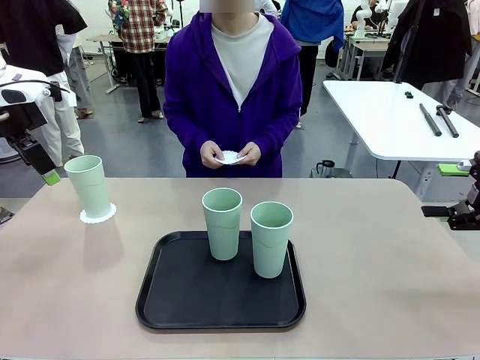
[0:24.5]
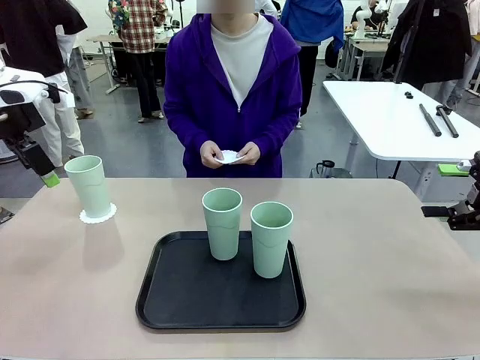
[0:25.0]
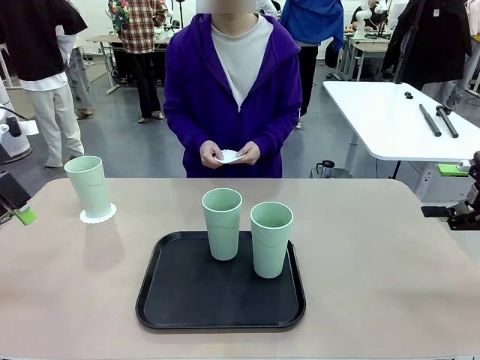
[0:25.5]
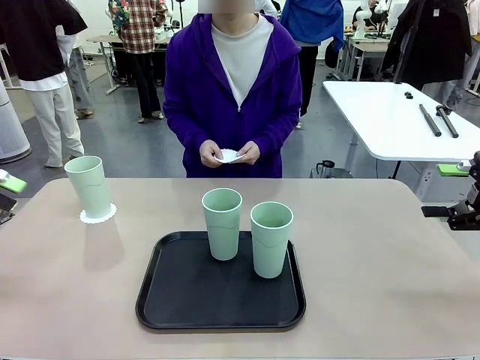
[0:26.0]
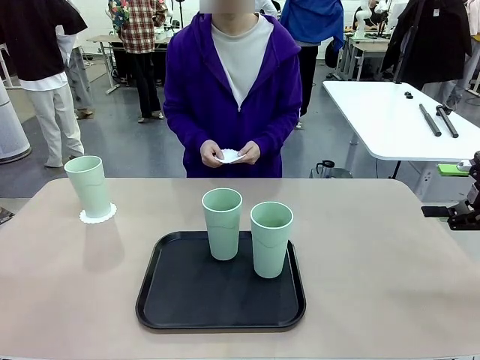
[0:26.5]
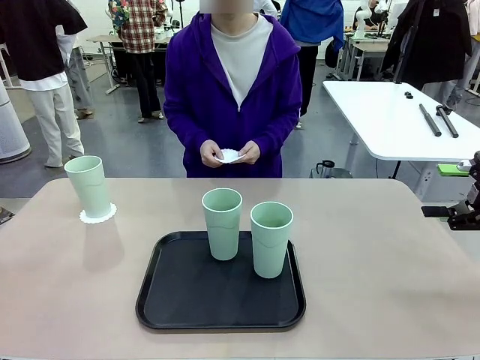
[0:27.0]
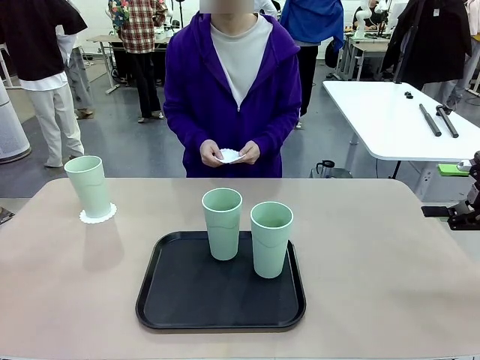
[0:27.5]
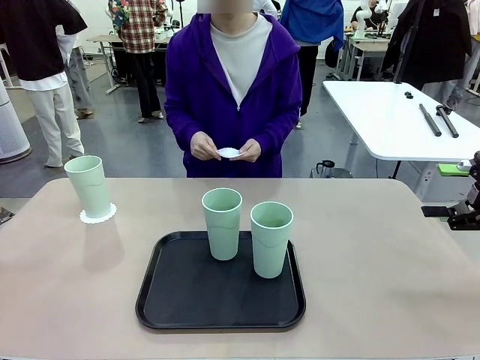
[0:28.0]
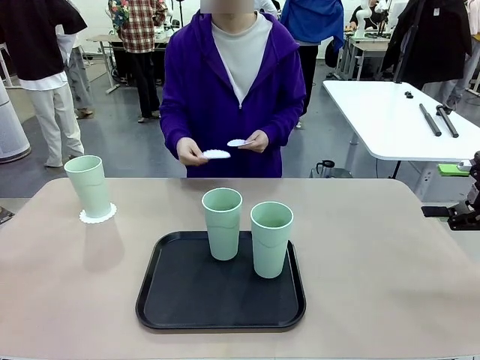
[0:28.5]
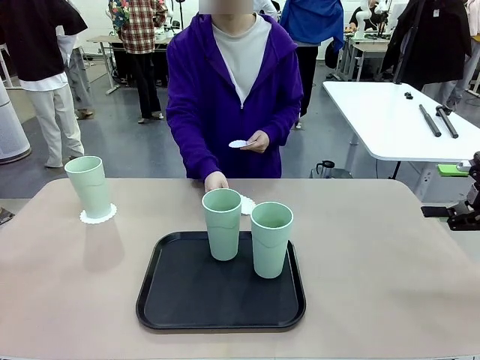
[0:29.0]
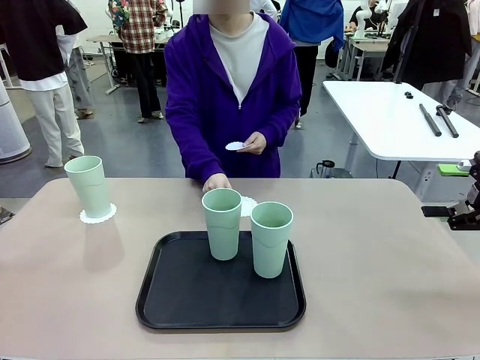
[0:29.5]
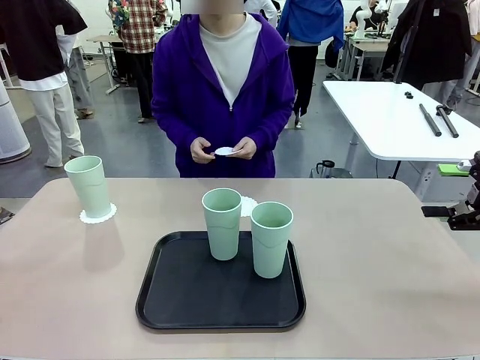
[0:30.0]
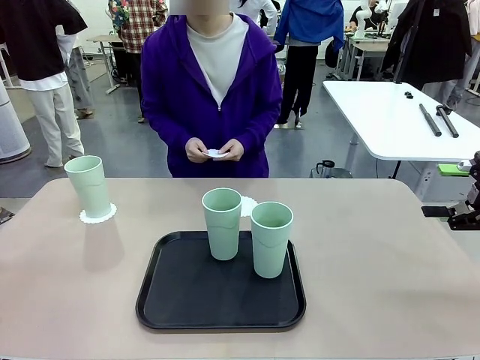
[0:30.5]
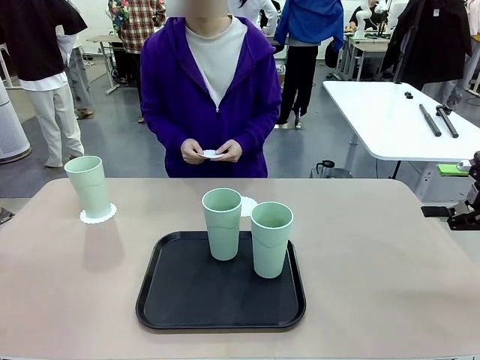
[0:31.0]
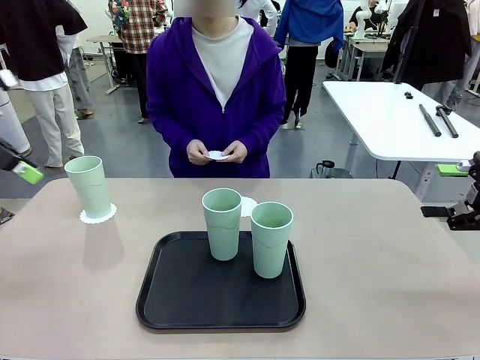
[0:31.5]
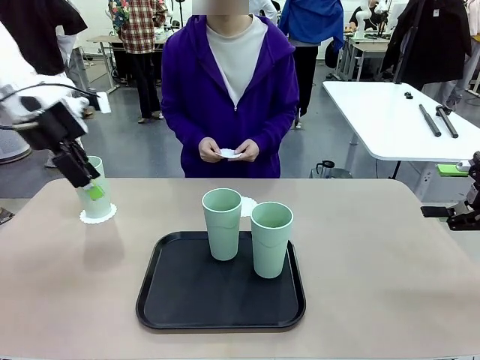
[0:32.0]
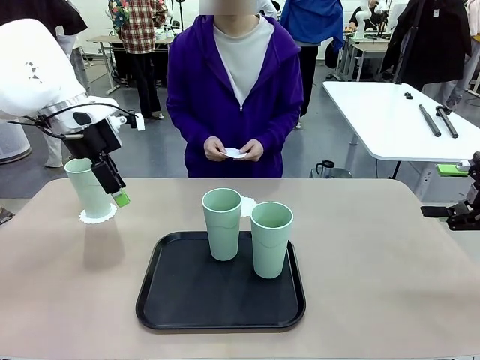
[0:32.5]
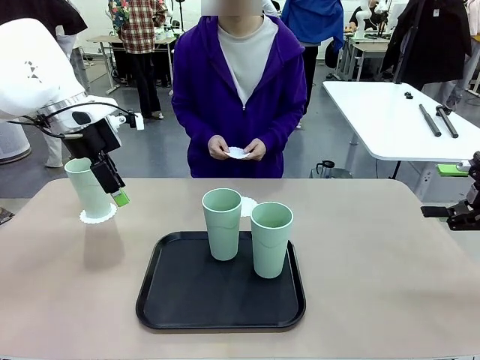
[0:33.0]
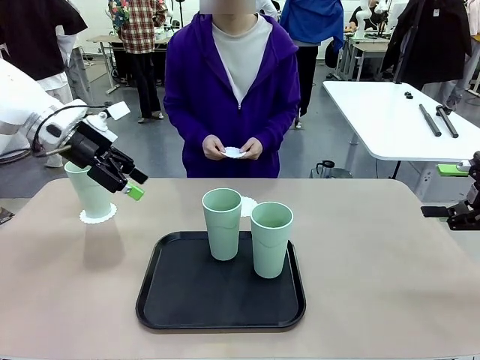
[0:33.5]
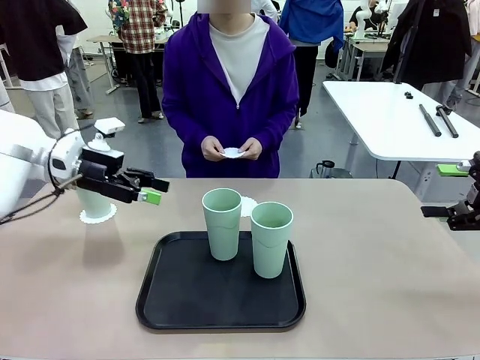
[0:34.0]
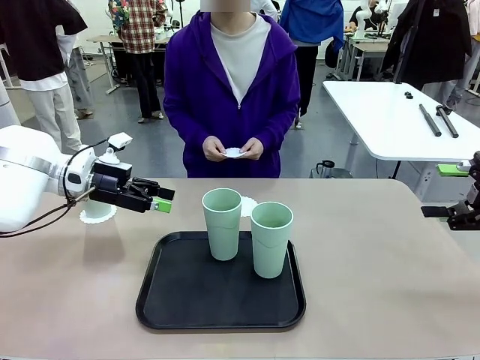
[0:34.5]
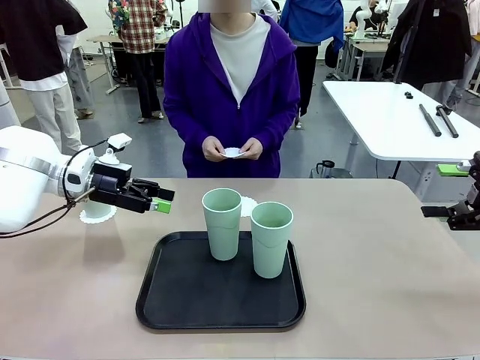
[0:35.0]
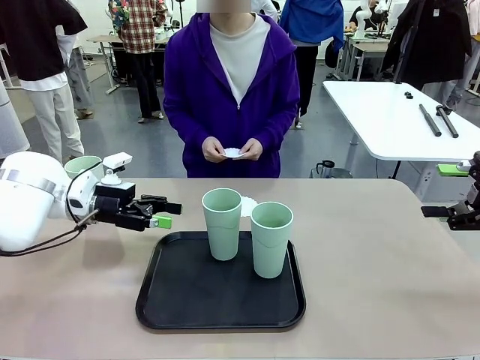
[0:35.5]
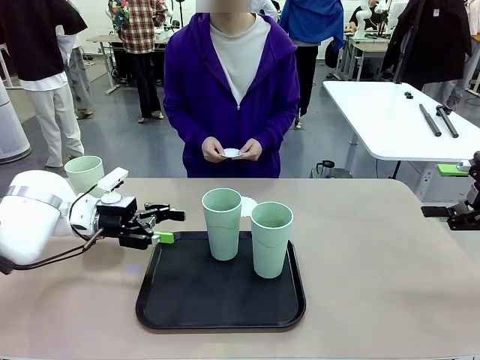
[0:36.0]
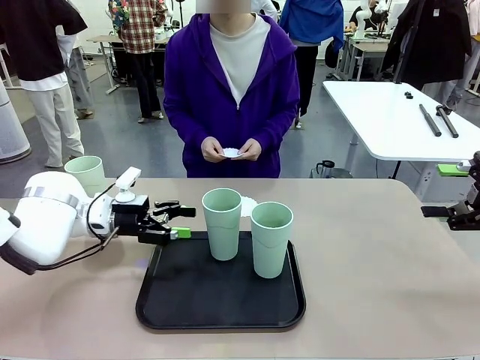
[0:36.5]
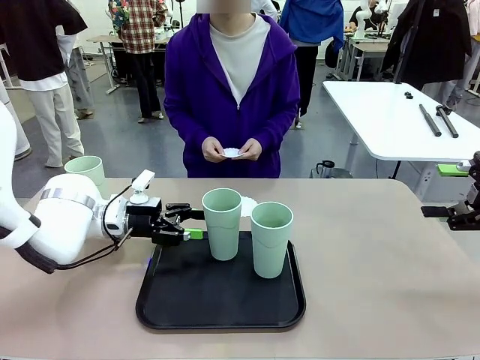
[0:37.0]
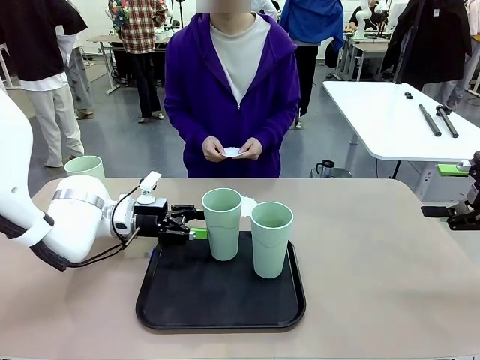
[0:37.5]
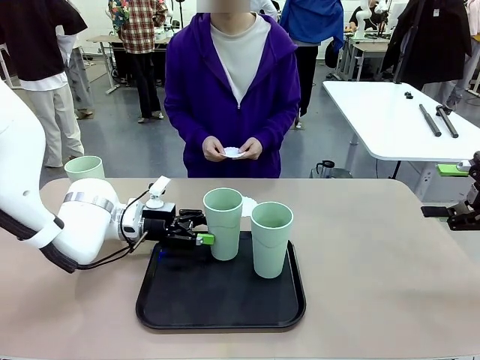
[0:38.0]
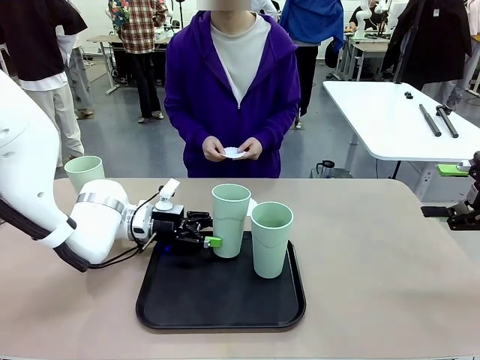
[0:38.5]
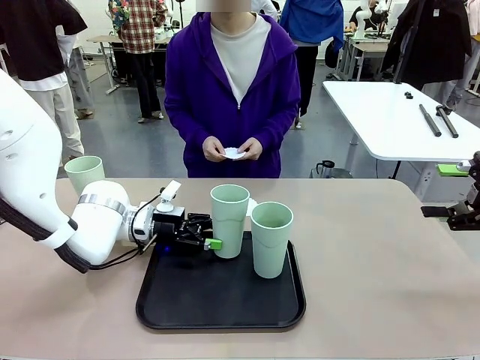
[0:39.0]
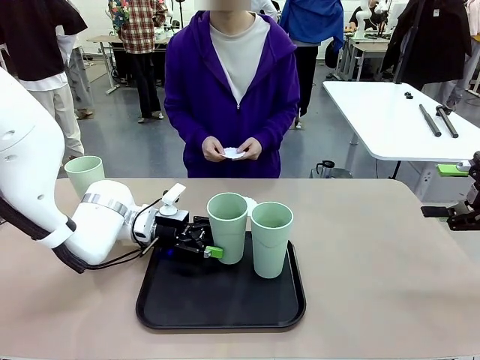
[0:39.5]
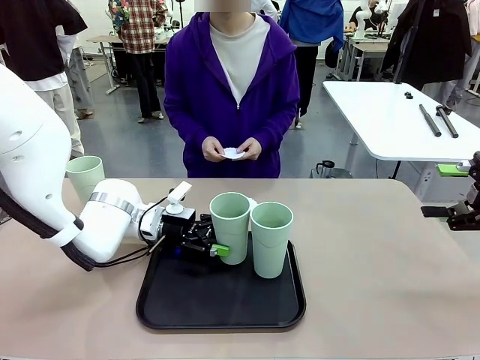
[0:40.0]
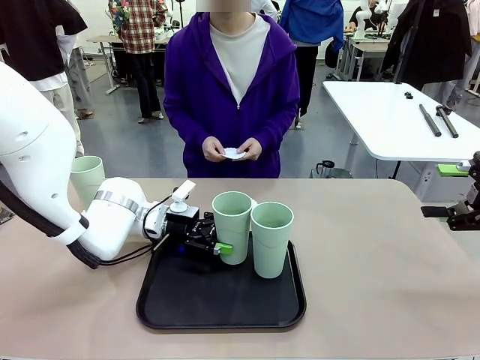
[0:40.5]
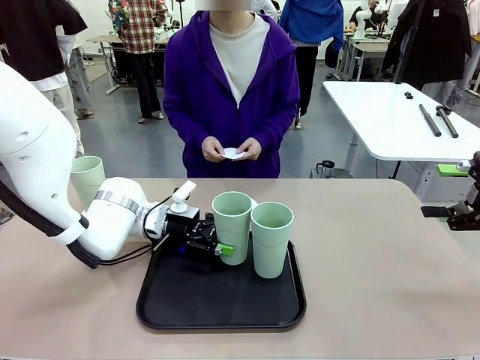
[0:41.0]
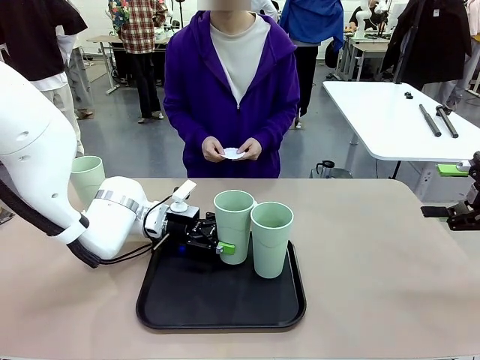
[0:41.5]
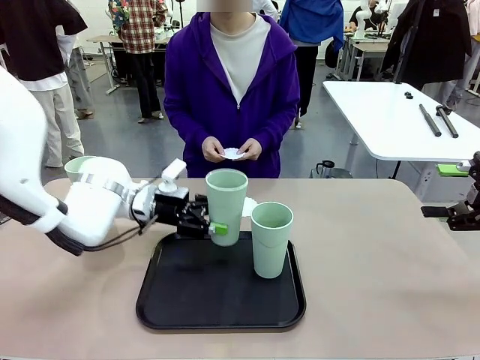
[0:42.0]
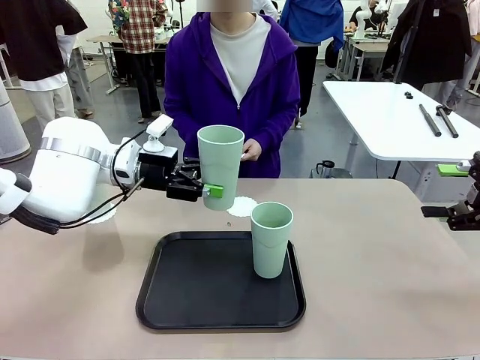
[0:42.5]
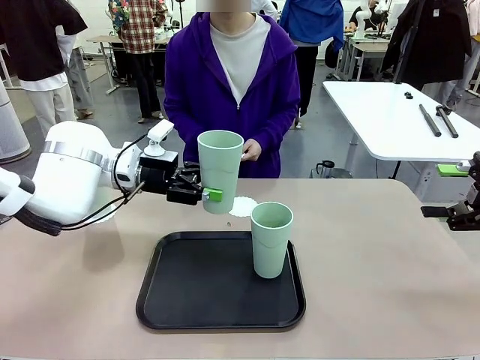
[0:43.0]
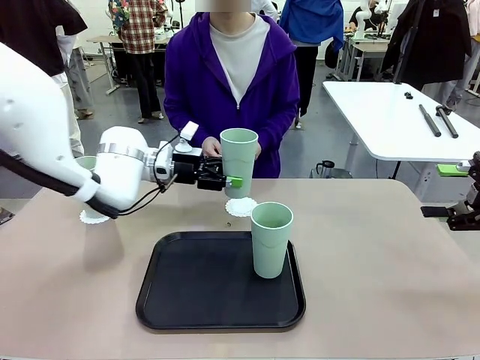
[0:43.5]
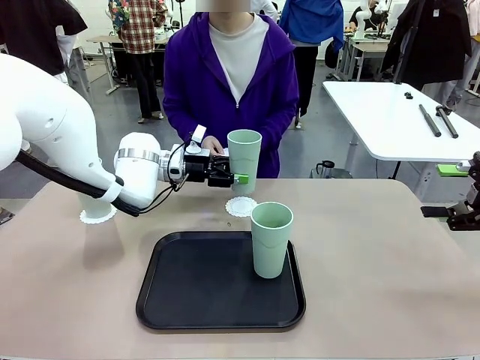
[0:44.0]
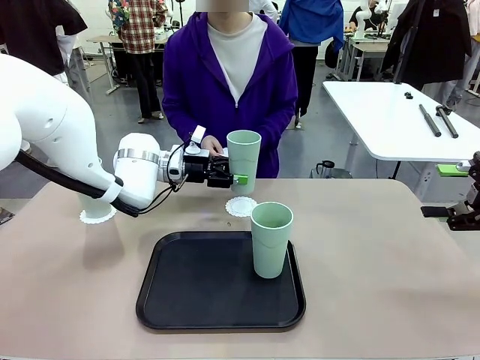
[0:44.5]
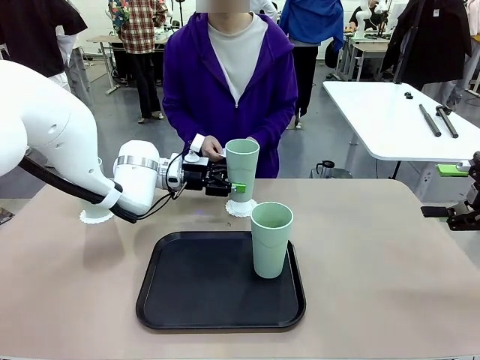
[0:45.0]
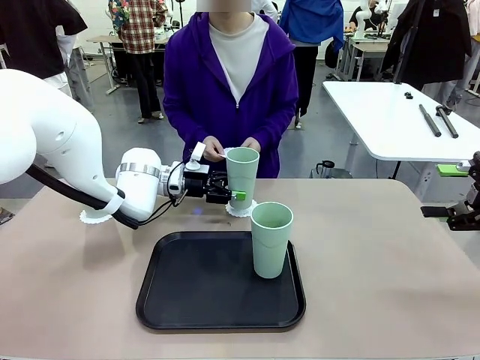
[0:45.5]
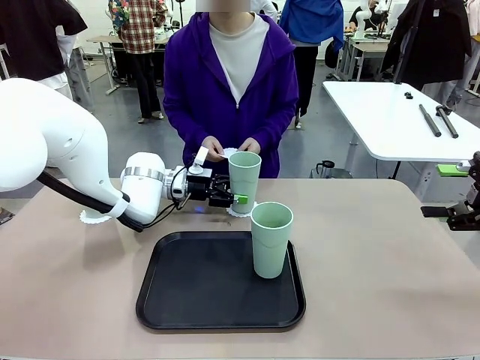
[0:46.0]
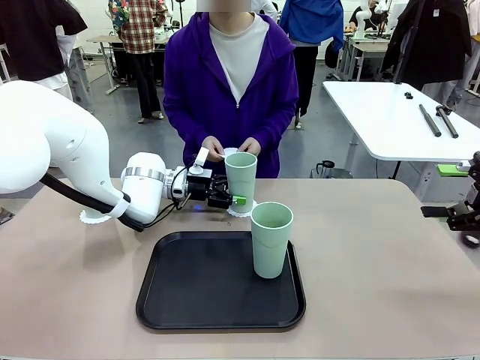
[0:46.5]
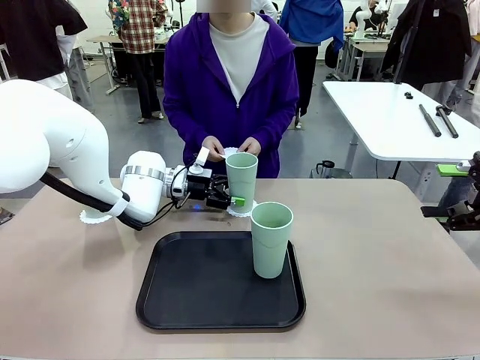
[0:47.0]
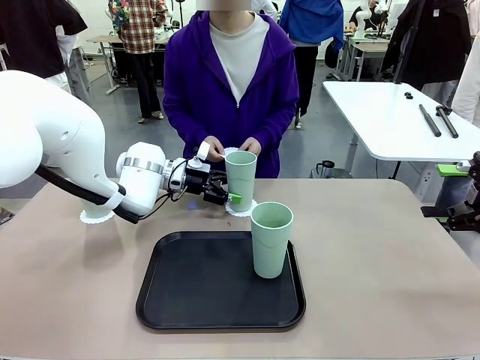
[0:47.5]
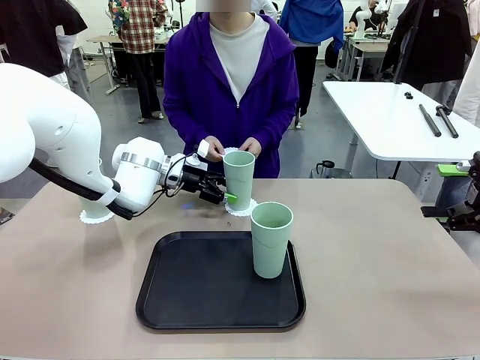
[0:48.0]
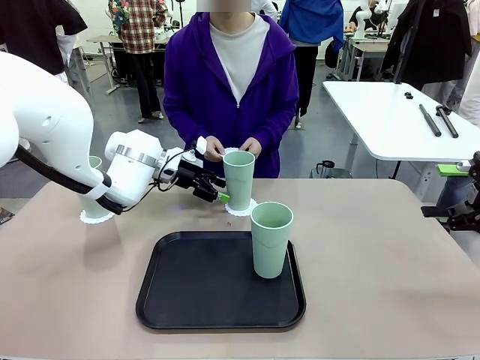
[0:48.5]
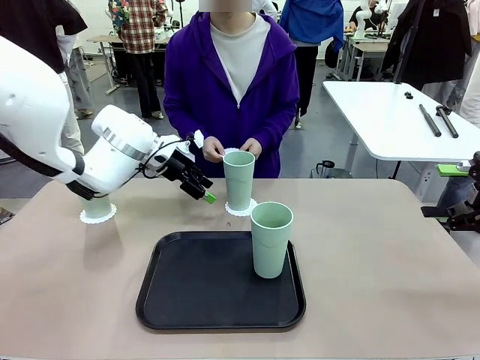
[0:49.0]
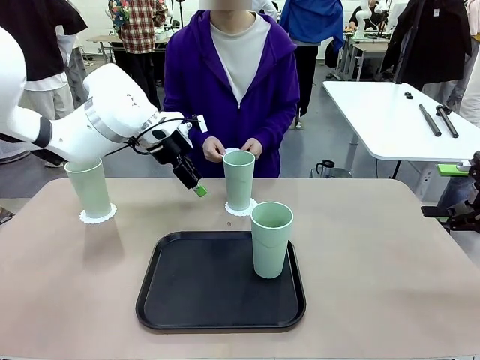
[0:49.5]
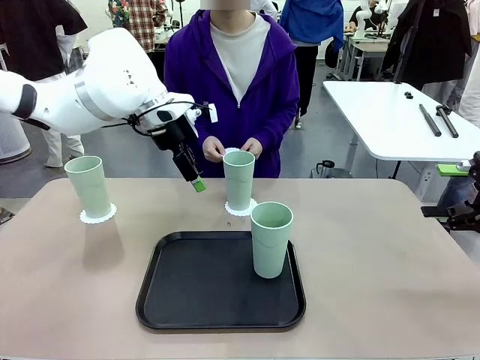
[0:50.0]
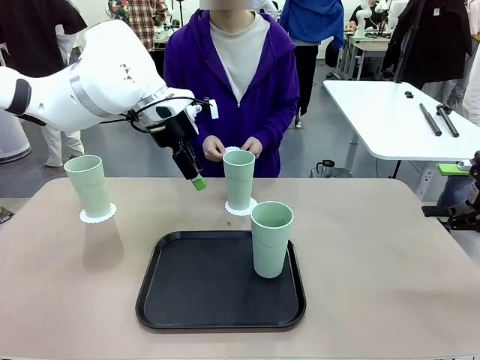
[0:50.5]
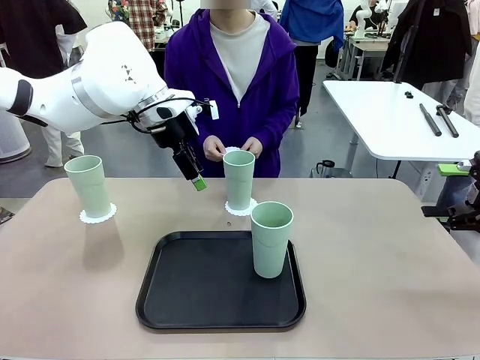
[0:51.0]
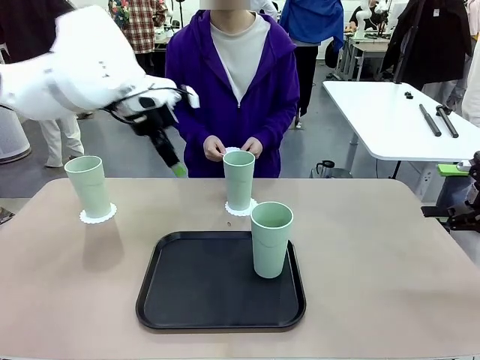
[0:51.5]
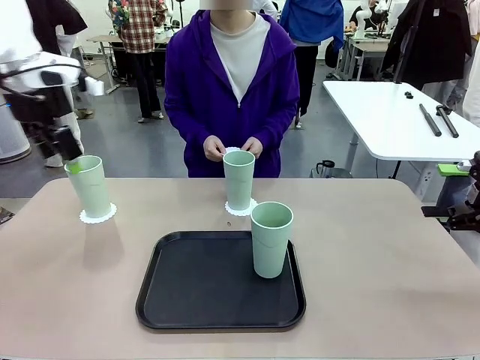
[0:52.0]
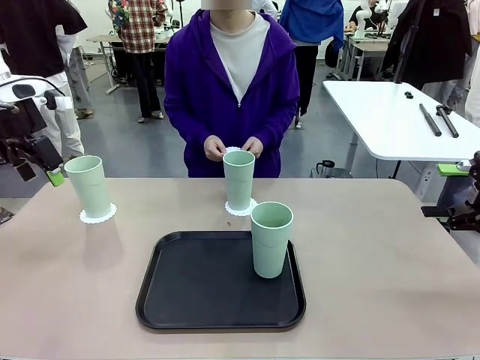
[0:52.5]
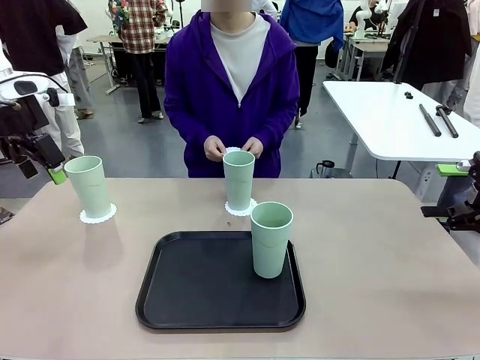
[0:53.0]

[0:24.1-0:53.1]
Task: Place coasters on the table and set cups on them.
Robot: Take one Reusable plastic cup from the Flat Tray and place it on a coaster set by the human.
